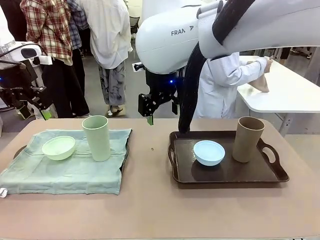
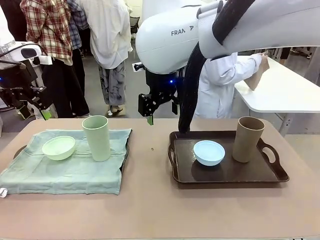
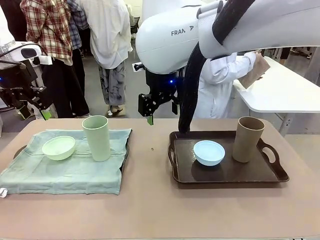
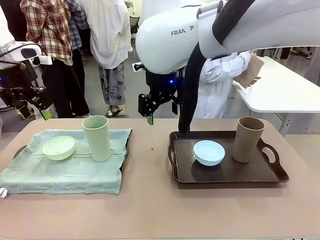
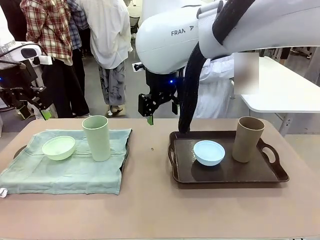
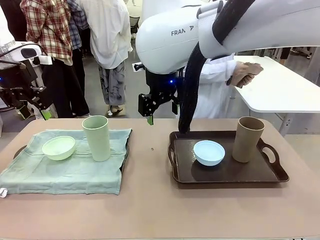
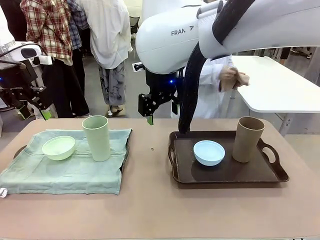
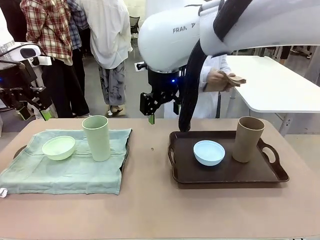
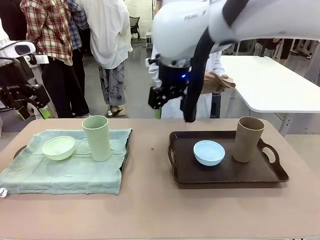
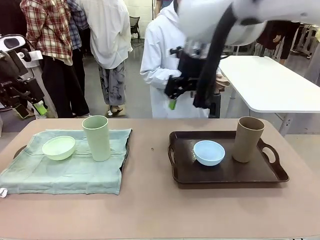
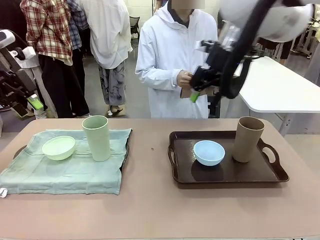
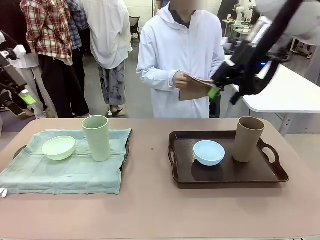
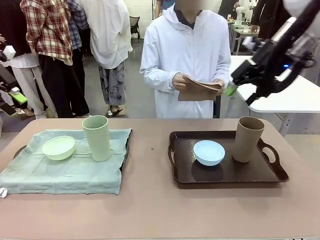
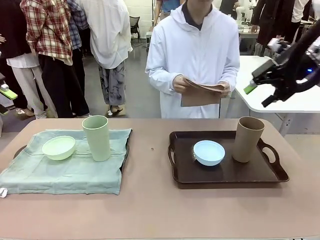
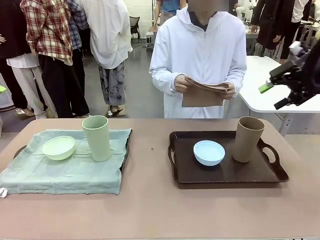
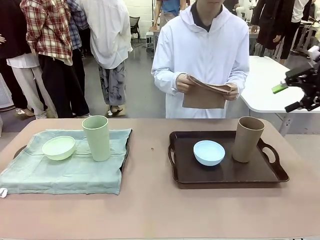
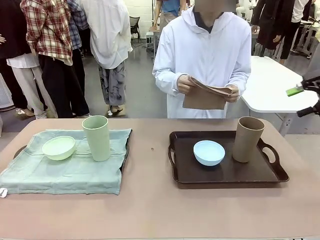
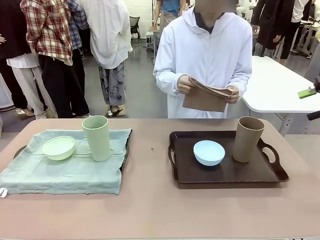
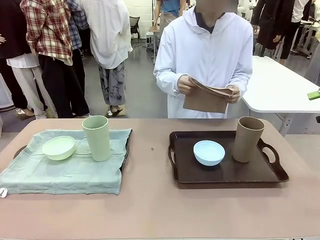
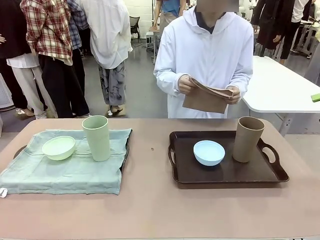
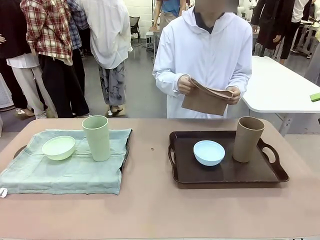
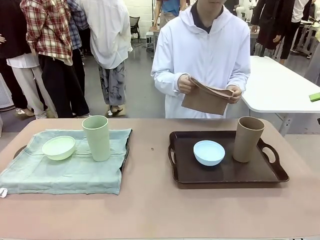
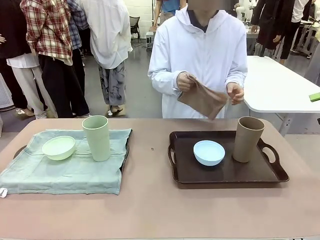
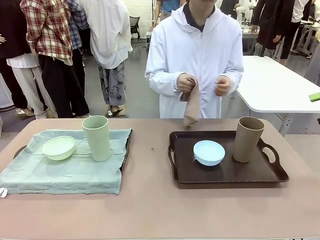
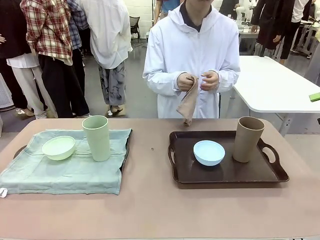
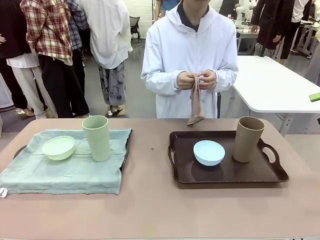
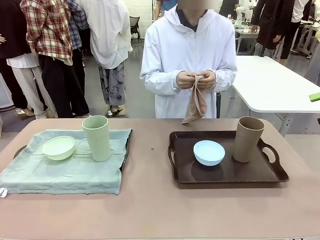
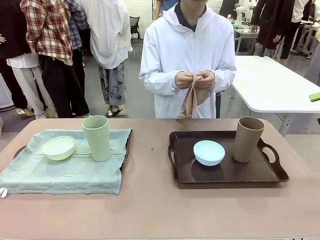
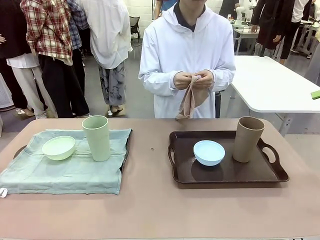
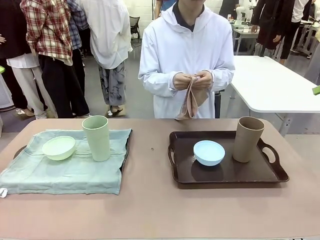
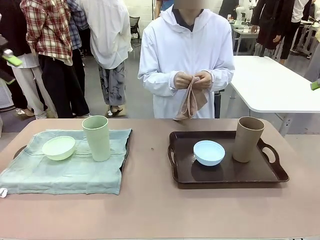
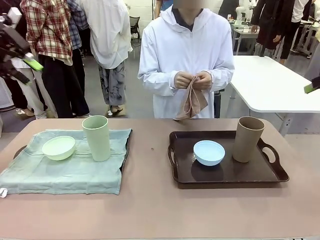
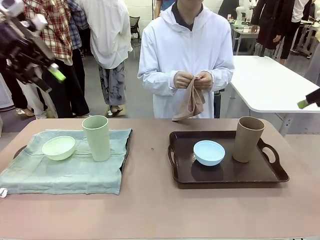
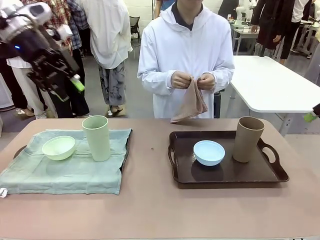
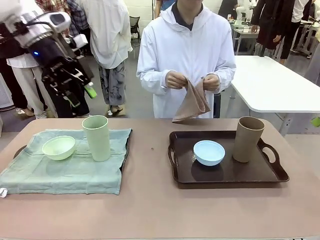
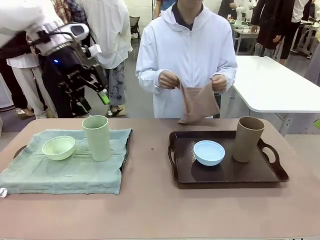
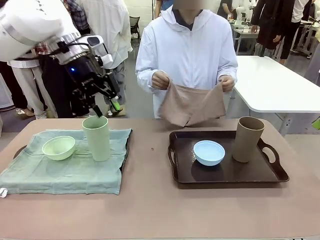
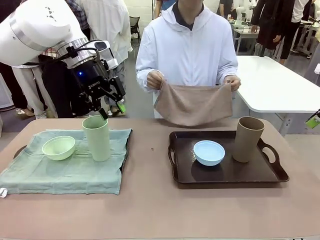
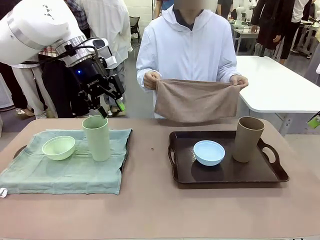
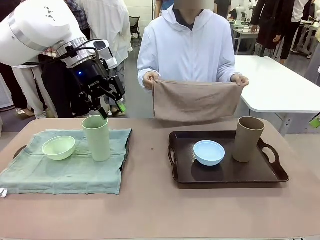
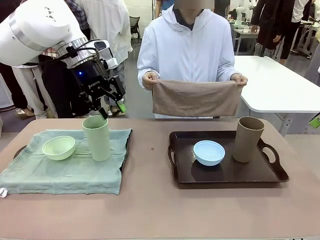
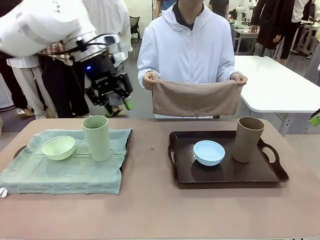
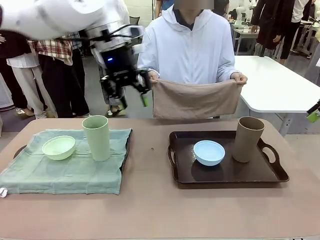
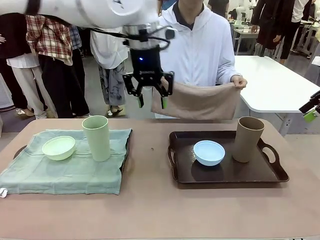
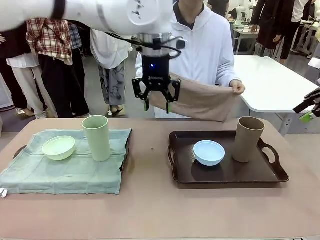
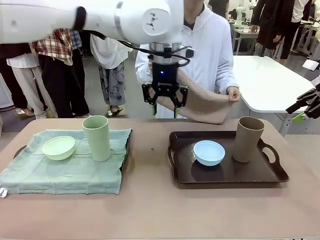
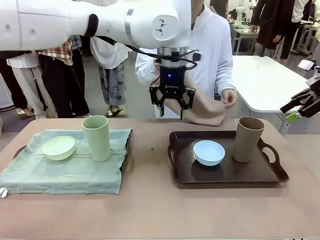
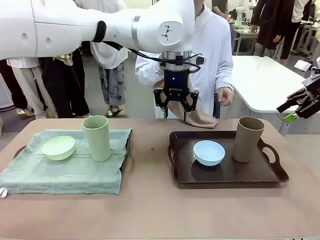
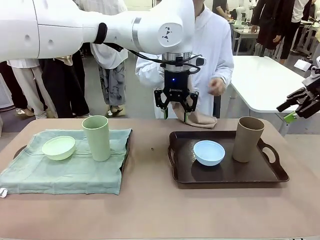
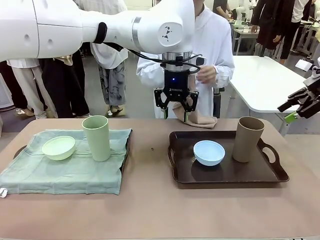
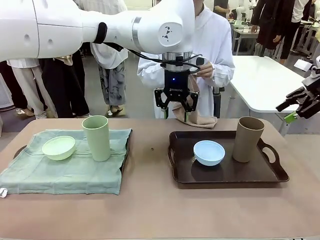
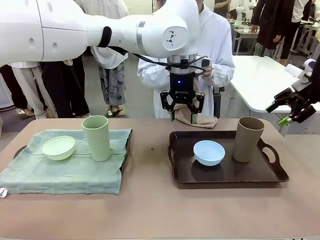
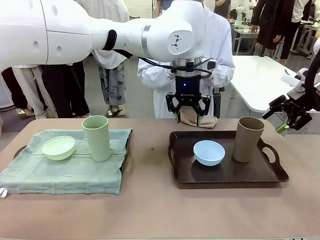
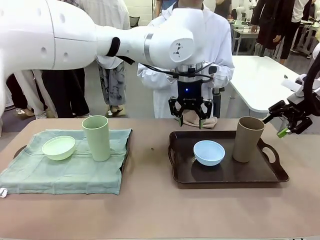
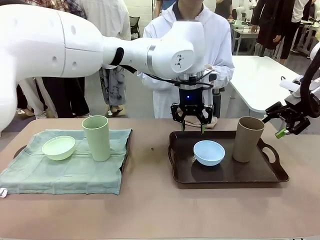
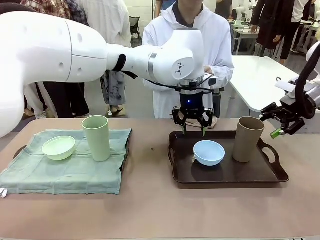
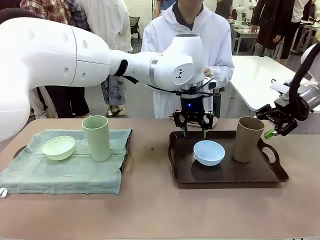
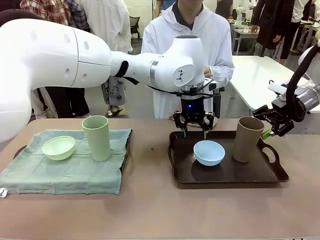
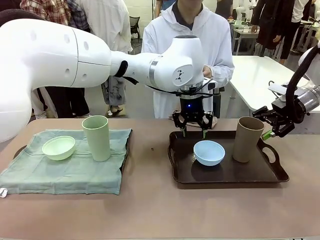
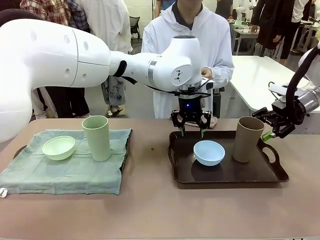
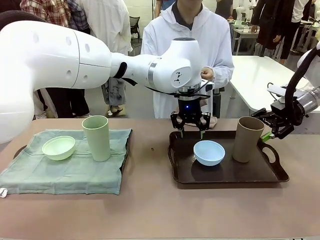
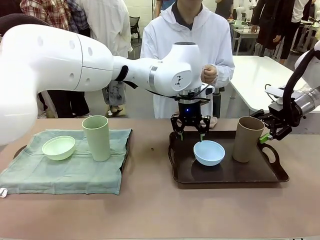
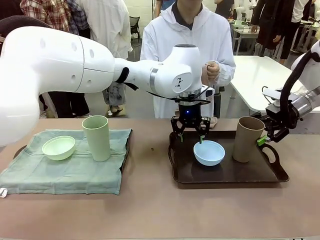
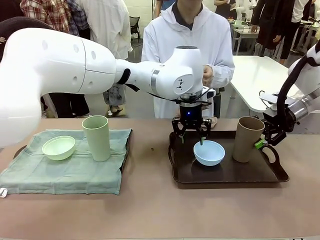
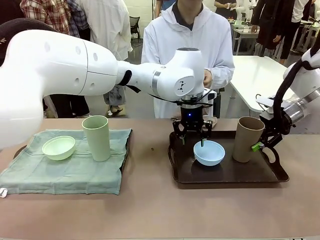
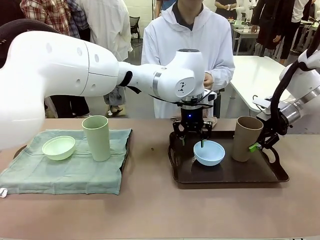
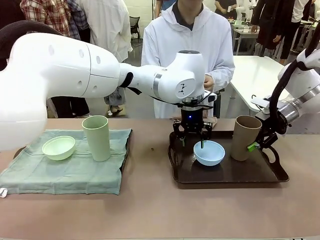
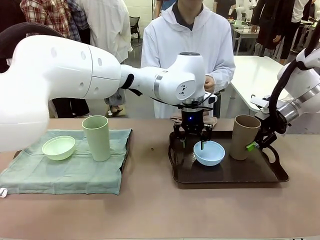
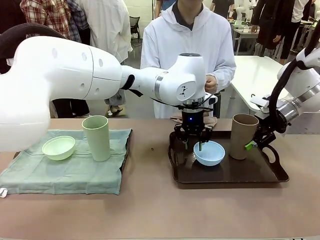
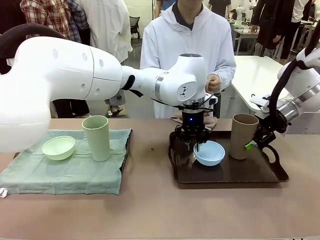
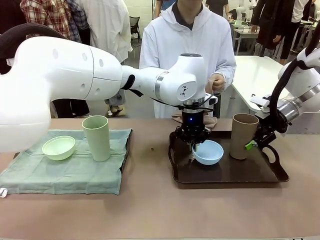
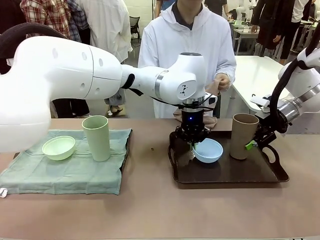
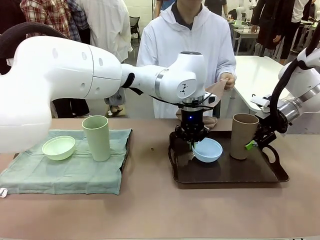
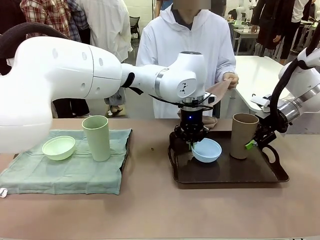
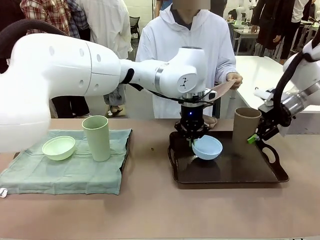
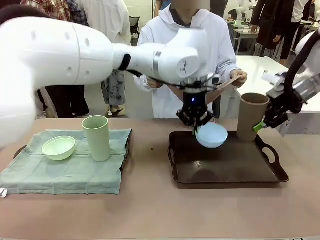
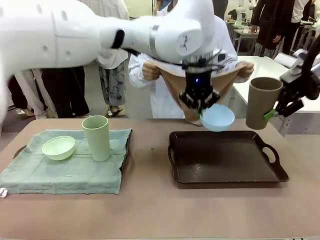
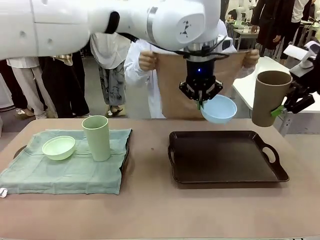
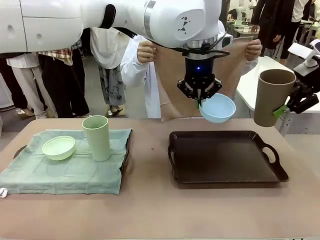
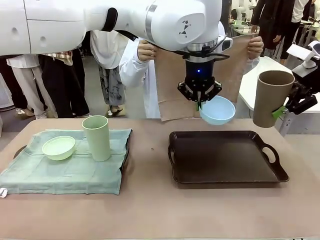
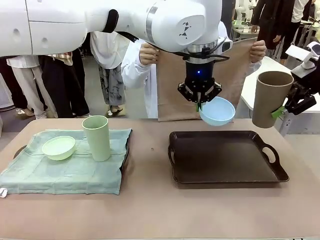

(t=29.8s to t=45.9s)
Robot: Pick up the Picnic Bowl and Reusable plastic cup from the Handle tray in front of the human's position and hold them in the air.

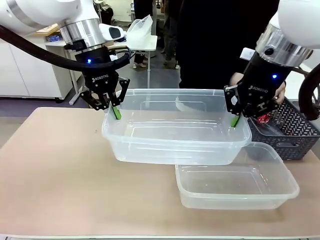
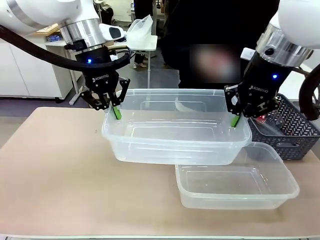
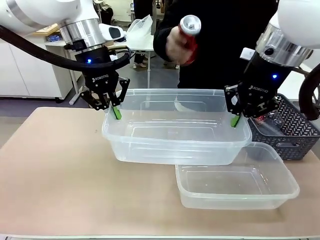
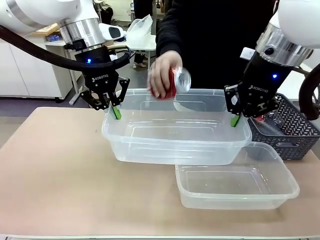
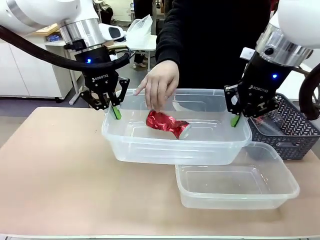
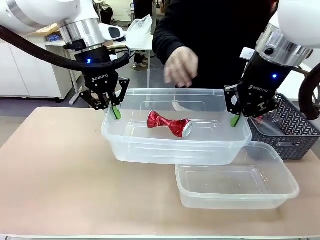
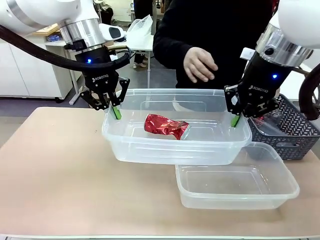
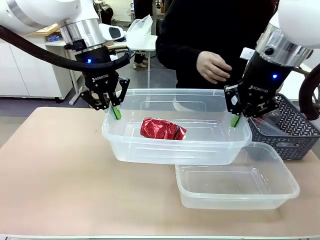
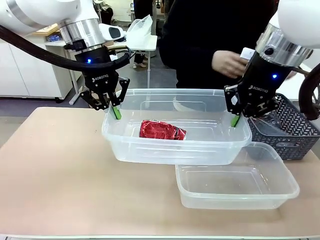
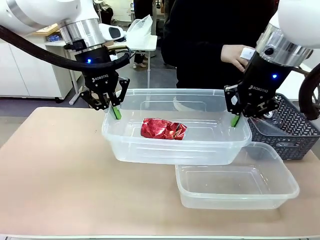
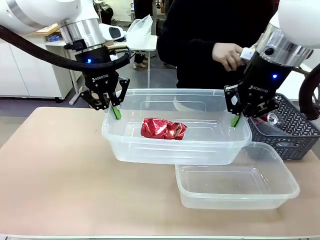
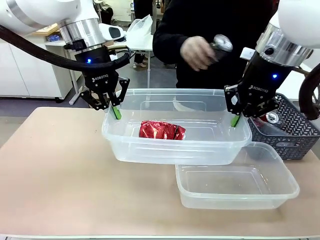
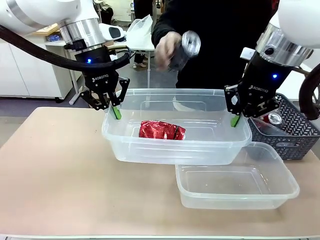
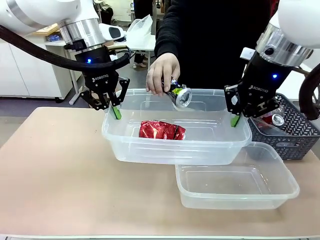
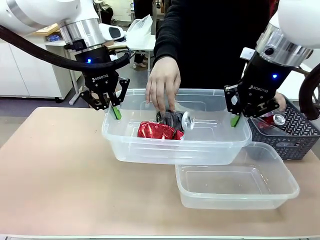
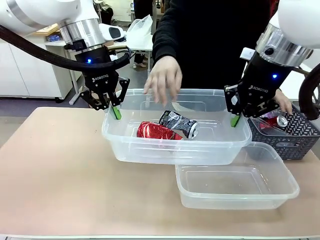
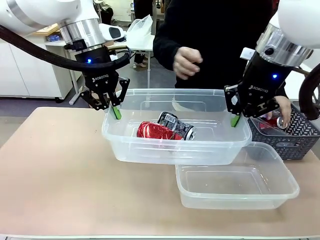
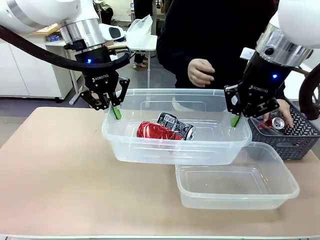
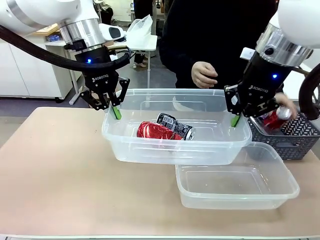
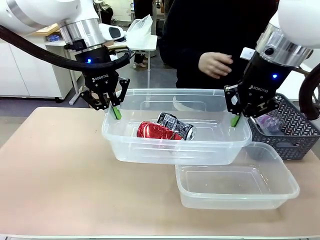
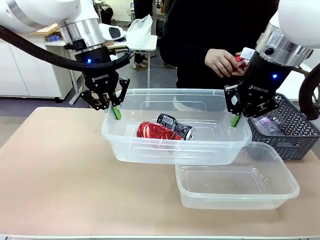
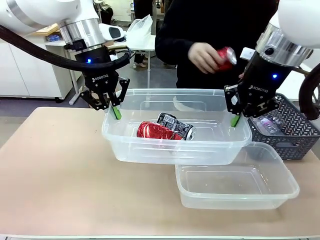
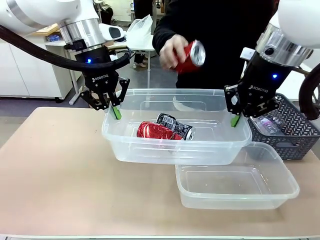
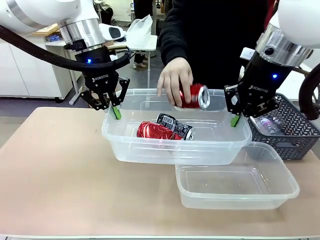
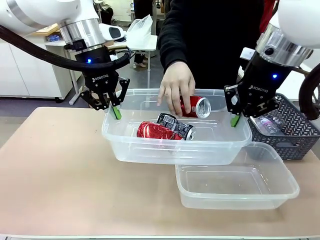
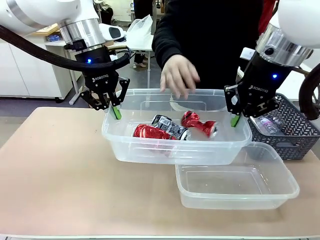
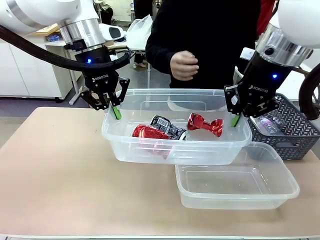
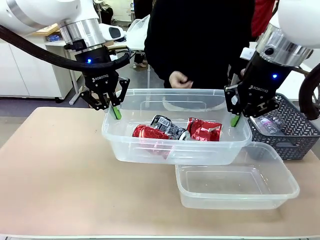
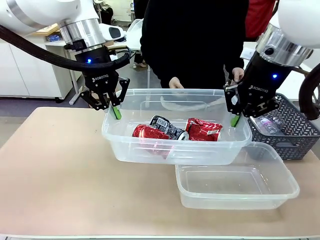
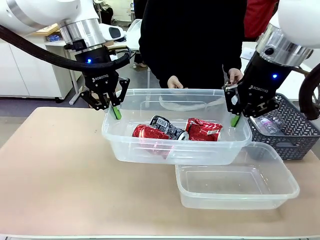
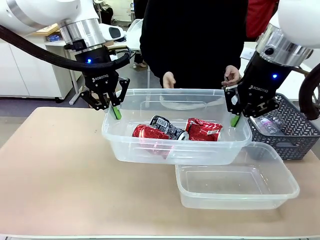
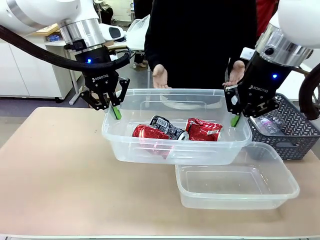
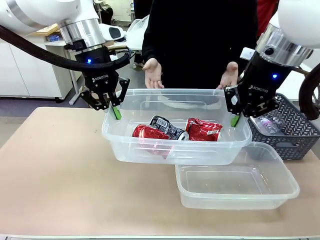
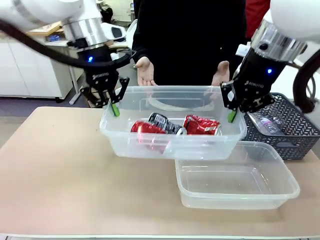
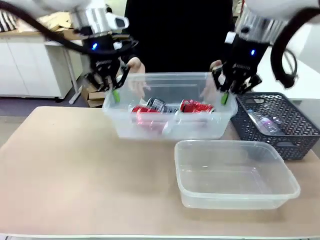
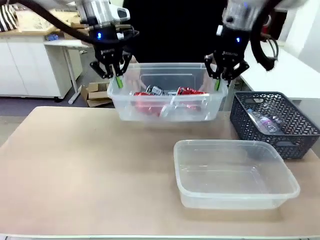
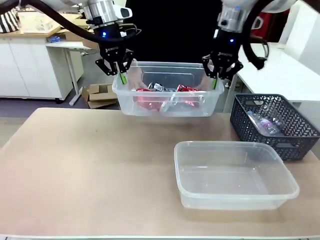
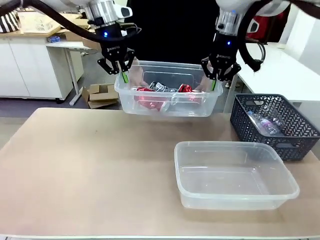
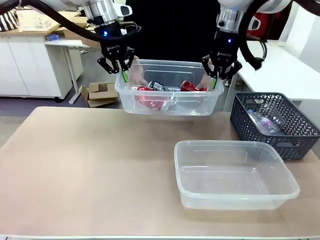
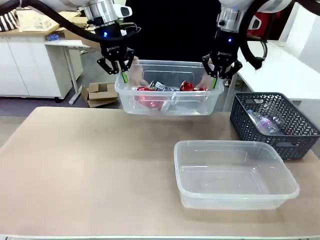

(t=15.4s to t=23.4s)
Robot: Offer the picked Organizing box to the human.
